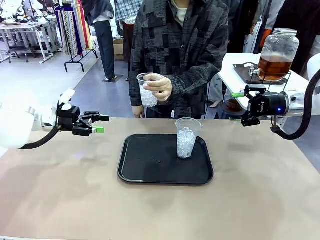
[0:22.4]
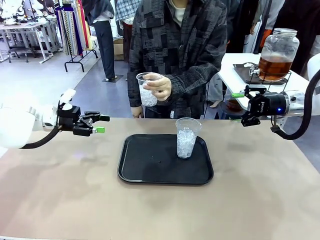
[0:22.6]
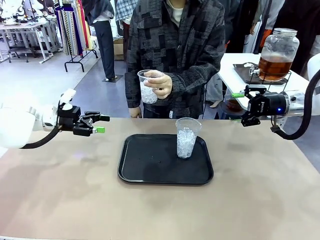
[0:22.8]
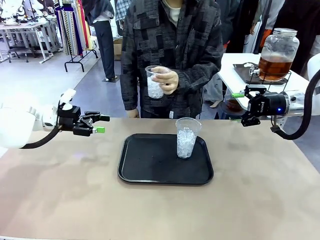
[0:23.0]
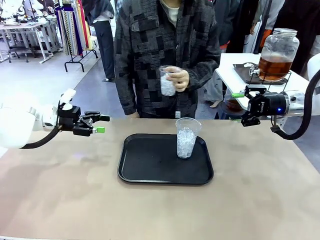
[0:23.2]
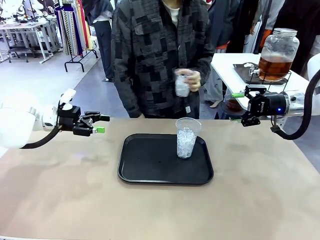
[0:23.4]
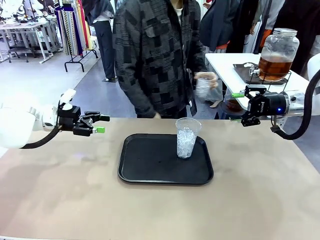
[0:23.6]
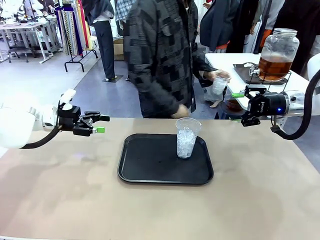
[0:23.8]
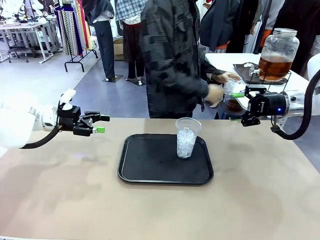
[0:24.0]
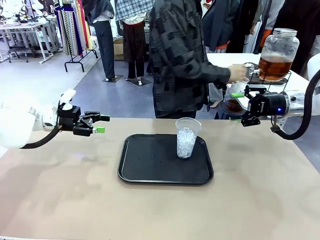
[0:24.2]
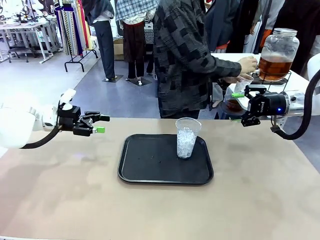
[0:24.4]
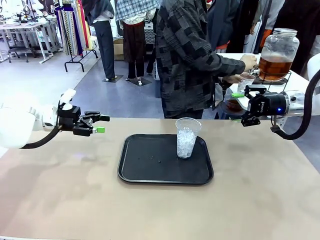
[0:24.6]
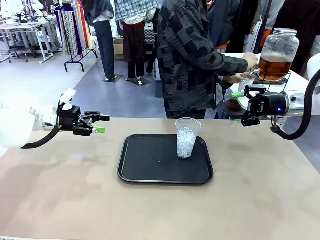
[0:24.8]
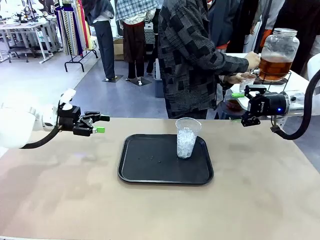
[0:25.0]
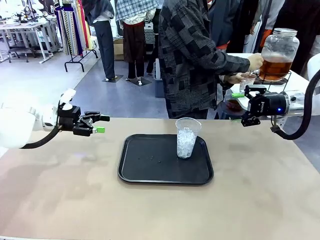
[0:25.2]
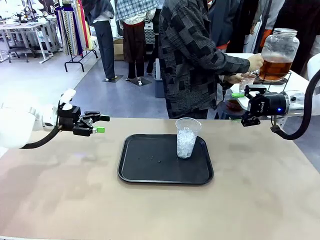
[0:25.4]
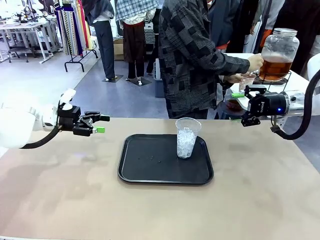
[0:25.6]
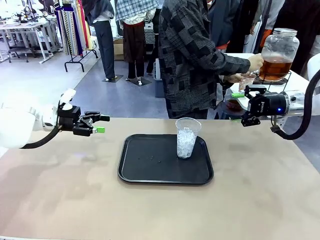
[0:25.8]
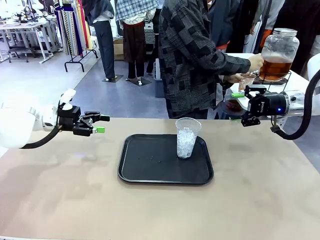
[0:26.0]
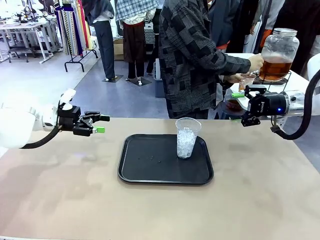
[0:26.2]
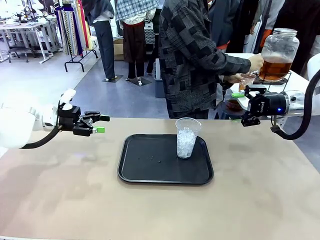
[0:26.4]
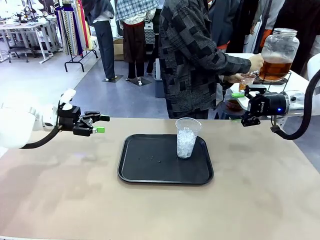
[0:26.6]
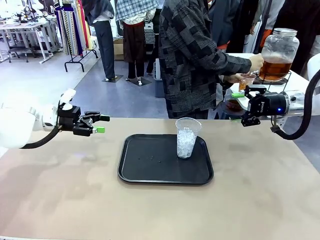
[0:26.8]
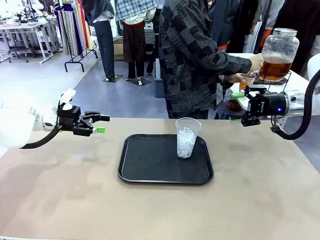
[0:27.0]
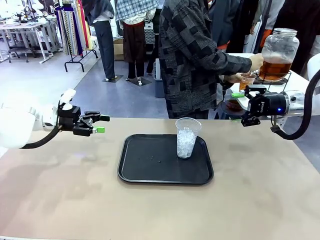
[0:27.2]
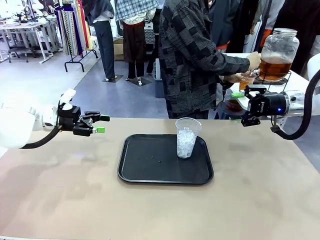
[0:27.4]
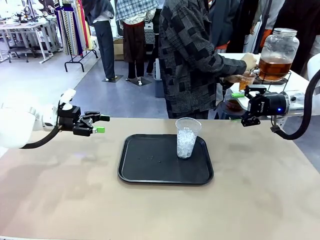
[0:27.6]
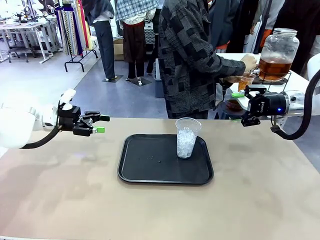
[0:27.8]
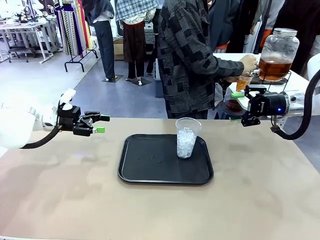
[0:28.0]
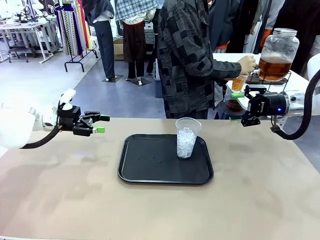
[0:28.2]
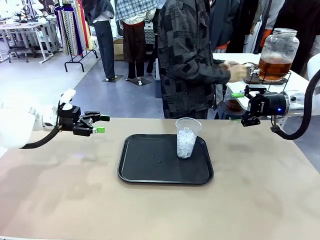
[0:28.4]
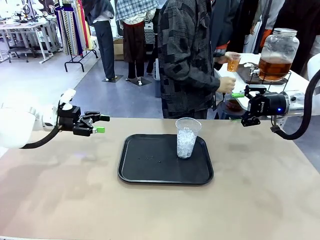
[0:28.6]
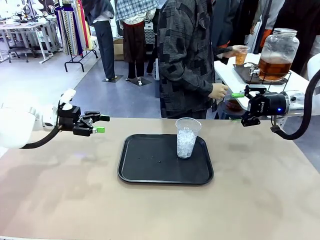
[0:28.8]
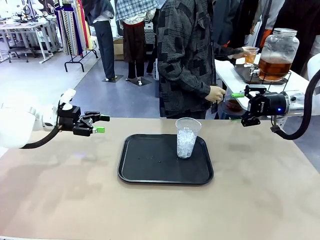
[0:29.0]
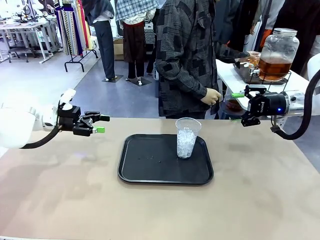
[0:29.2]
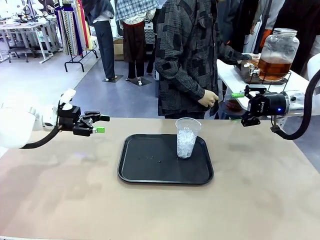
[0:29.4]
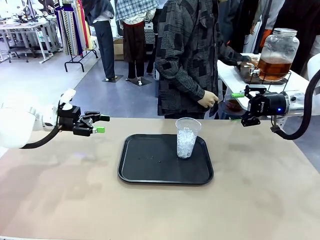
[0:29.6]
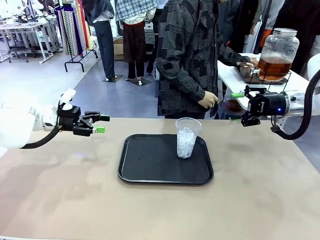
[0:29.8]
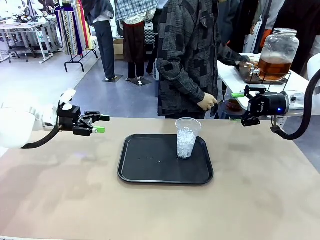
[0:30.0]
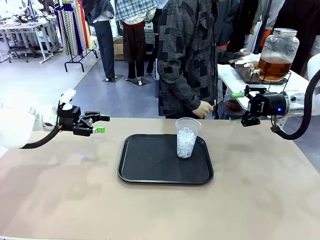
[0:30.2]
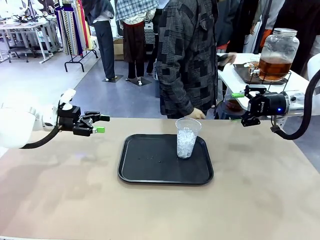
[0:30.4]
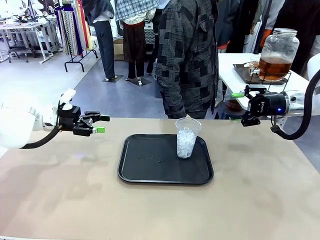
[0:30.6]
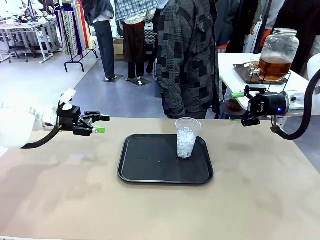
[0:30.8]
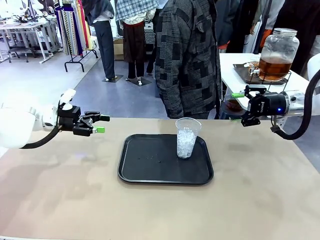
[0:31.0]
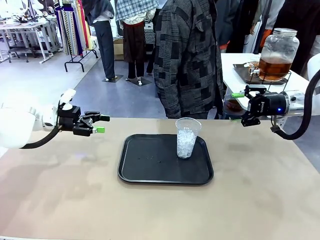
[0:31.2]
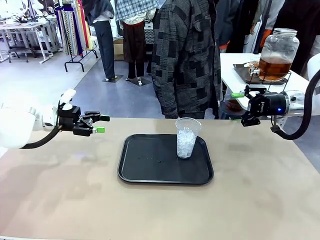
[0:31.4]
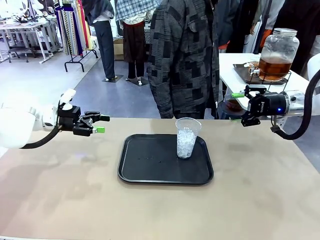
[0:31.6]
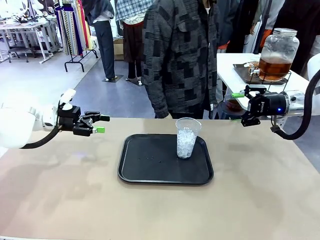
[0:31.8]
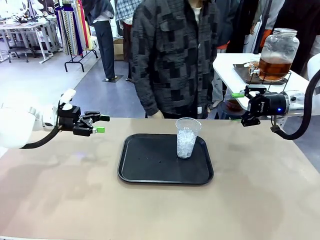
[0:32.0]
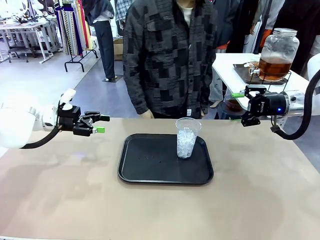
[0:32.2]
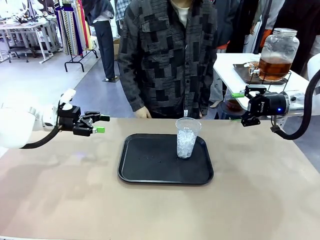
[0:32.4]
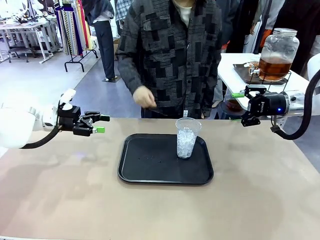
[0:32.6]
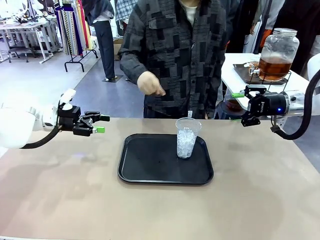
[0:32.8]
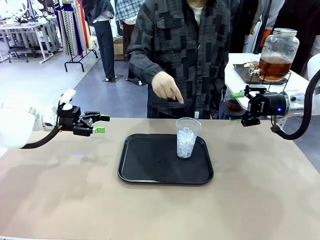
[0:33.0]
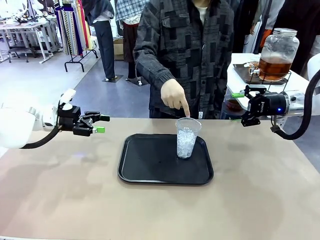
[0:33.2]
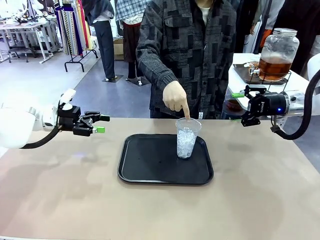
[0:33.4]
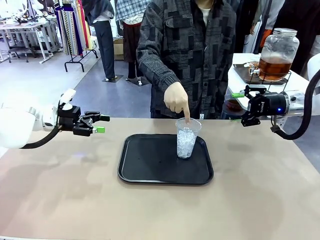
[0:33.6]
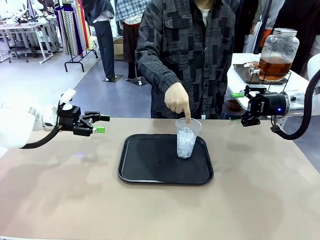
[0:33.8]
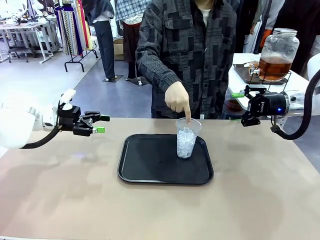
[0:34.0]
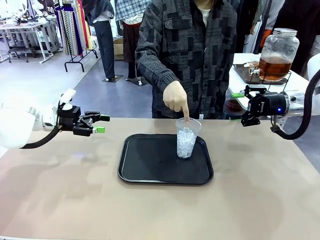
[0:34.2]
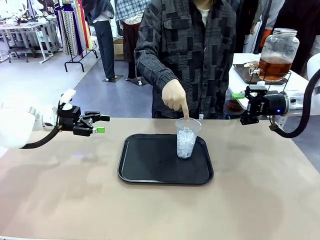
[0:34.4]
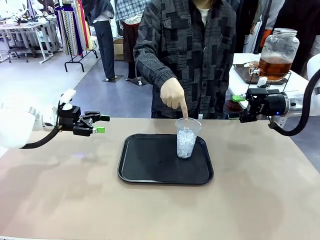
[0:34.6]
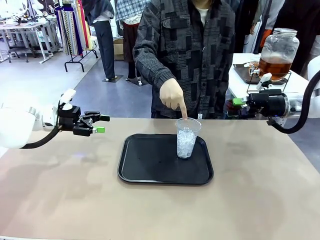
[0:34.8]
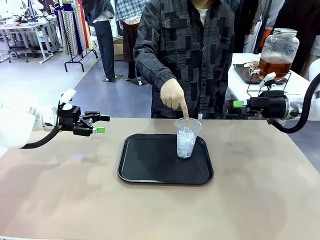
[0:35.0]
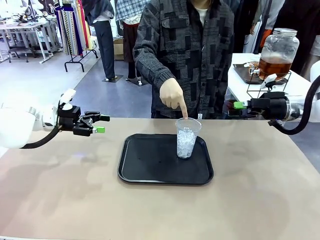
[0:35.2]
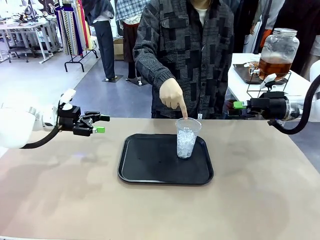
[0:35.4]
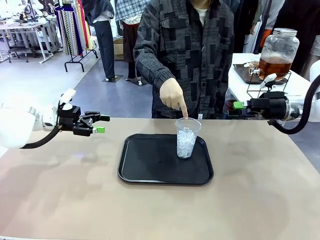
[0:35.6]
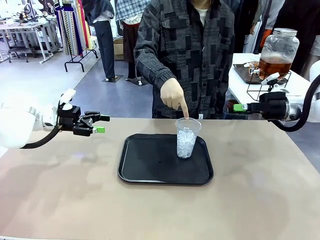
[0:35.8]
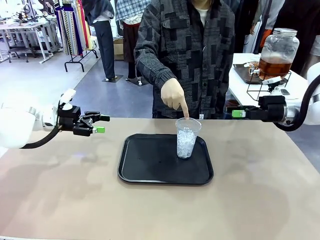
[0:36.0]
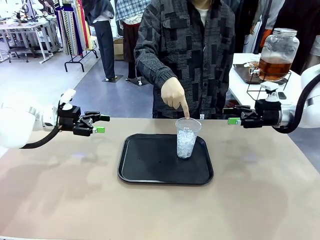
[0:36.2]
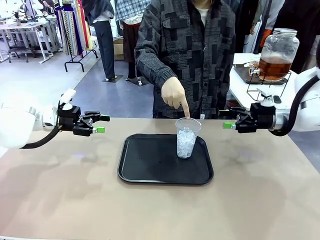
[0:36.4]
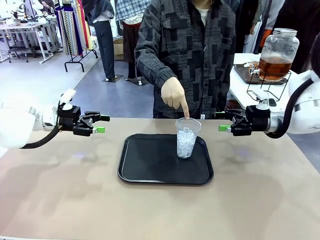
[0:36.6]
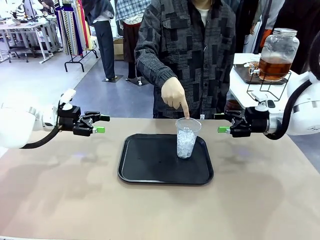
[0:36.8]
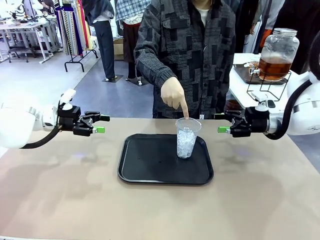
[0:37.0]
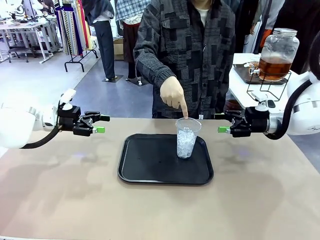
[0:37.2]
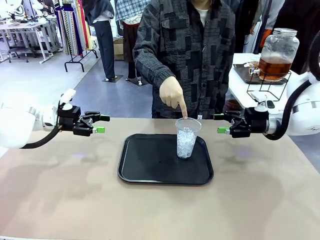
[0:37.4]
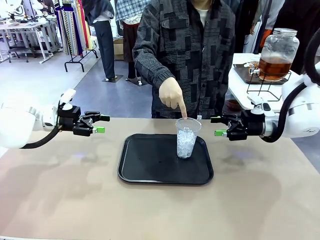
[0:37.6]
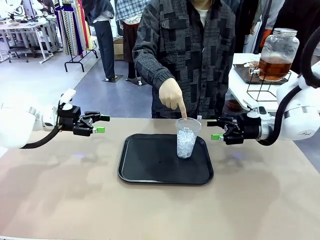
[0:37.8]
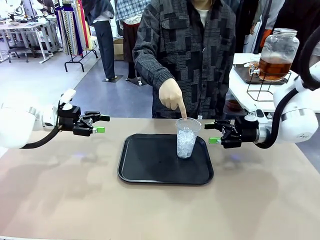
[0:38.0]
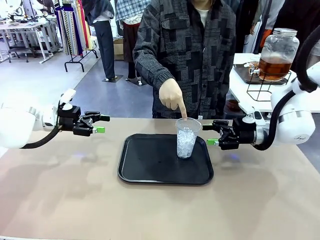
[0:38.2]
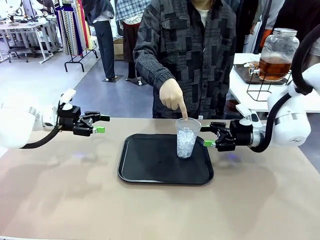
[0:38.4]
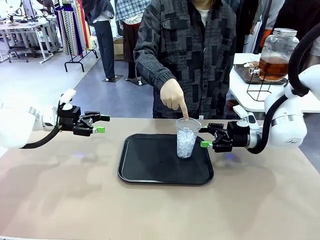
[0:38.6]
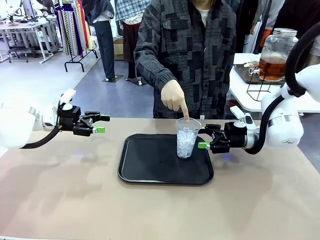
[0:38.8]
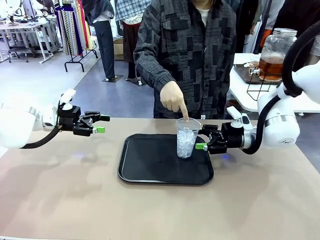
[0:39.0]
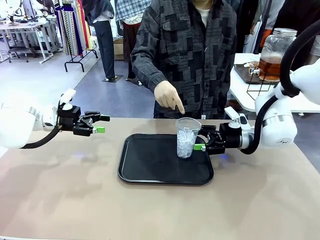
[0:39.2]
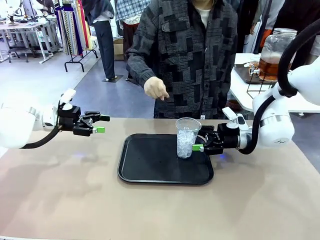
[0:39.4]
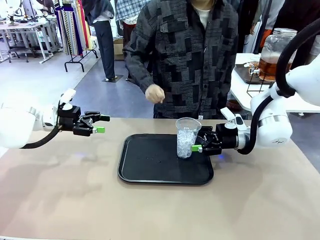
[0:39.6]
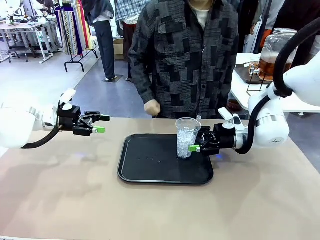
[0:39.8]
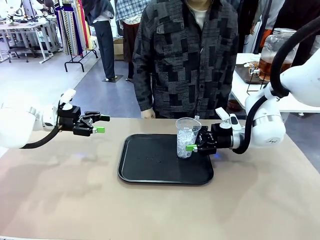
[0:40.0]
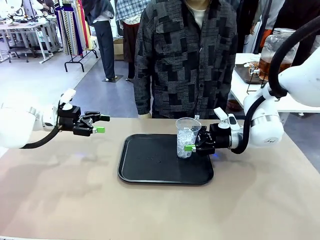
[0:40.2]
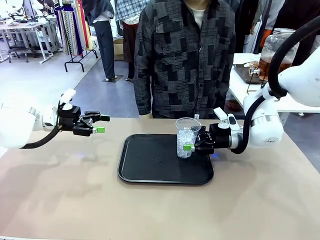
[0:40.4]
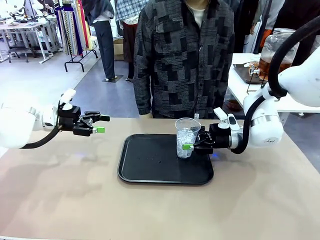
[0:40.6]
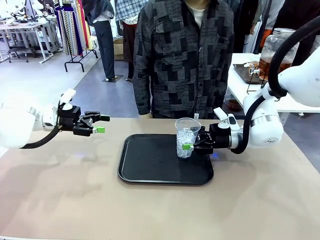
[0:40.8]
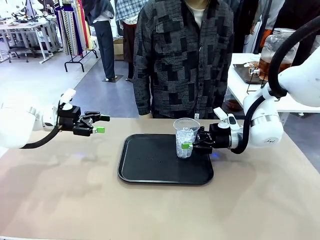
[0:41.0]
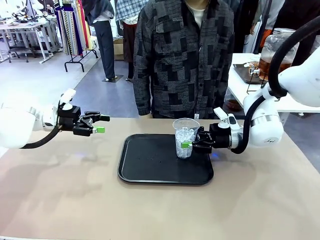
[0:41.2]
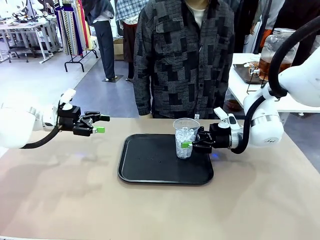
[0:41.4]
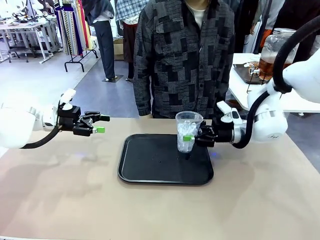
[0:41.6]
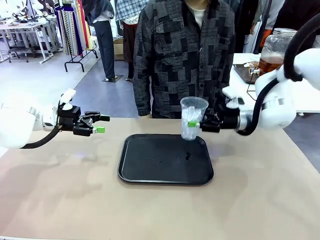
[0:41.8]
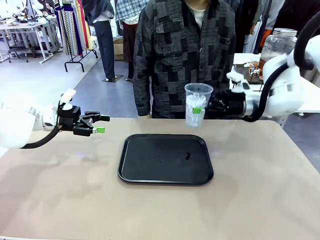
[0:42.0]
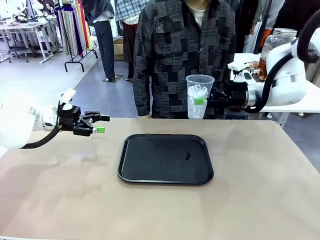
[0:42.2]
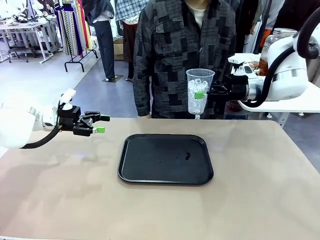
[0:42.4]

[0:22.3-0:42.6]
Task: Pour the drink into the iced cup.
Robot: Pick up the iced cup indicated by the human and present it to them.
Person: Move the picked-up cup under the dispenser faucet, pour the drink, and place it on the tray on the human table. Point to the remaining ice cup on the robot table. Pick up the cup offered by the robot.
